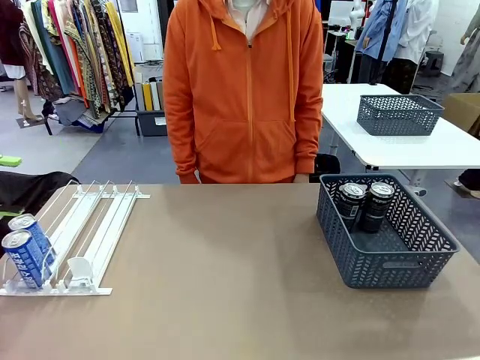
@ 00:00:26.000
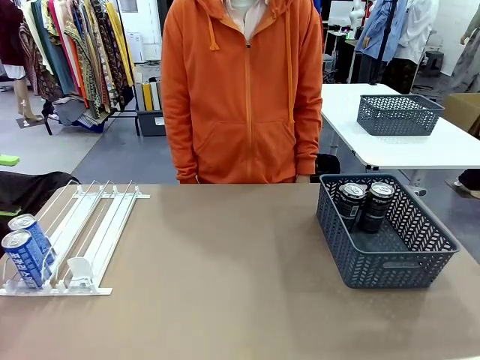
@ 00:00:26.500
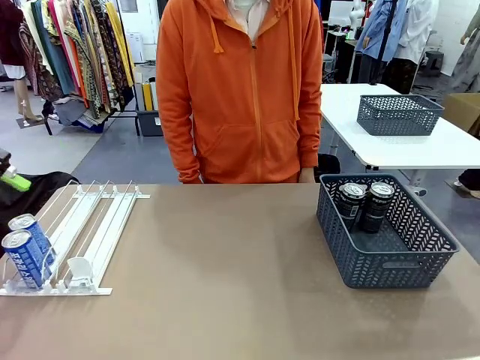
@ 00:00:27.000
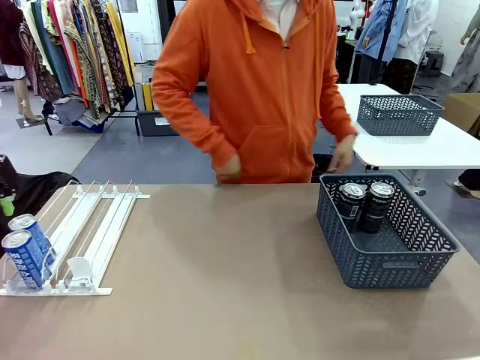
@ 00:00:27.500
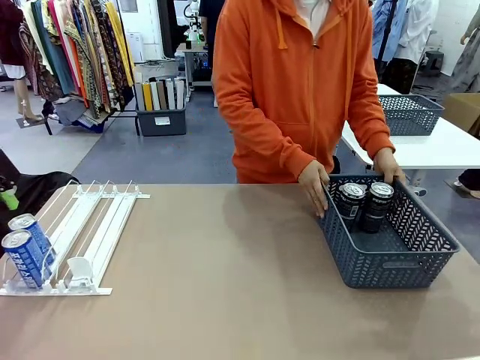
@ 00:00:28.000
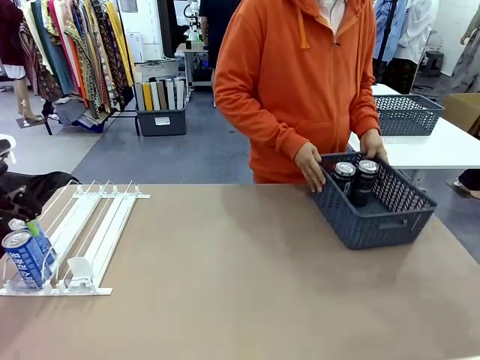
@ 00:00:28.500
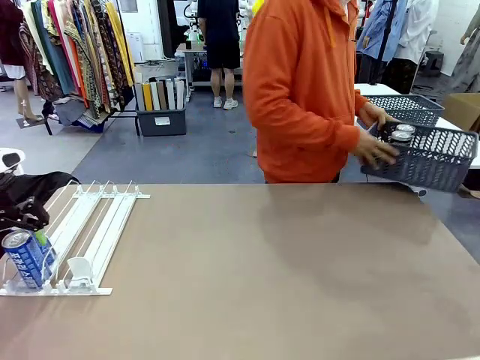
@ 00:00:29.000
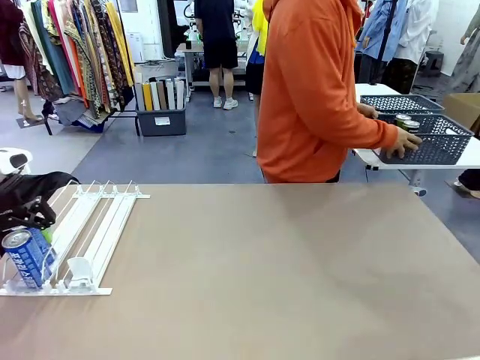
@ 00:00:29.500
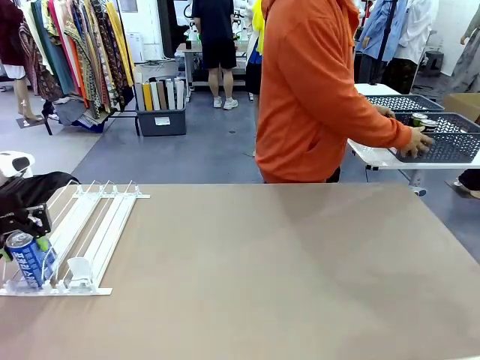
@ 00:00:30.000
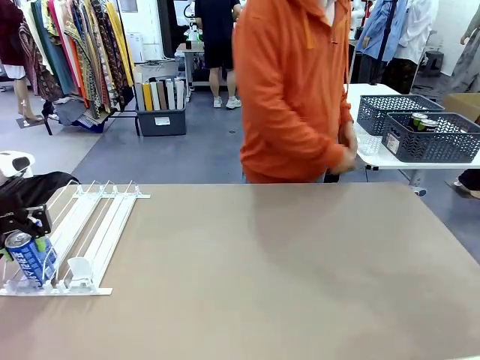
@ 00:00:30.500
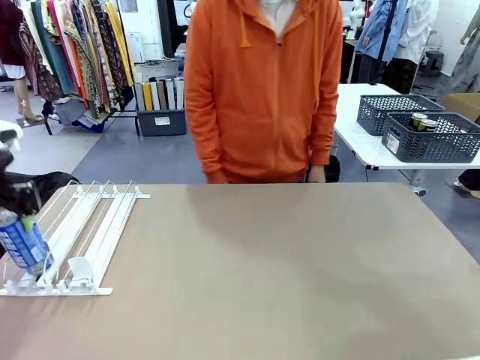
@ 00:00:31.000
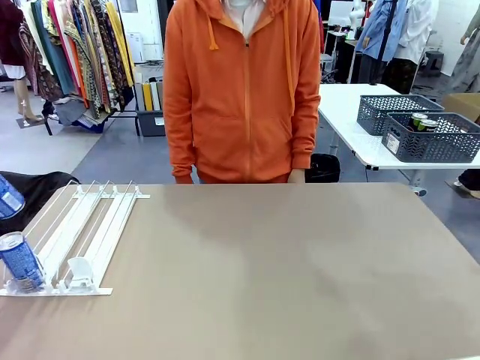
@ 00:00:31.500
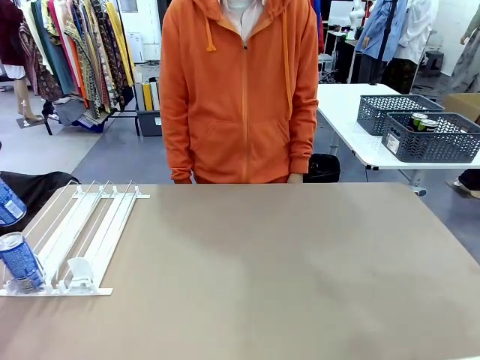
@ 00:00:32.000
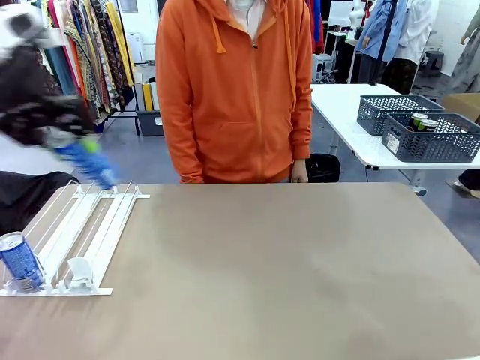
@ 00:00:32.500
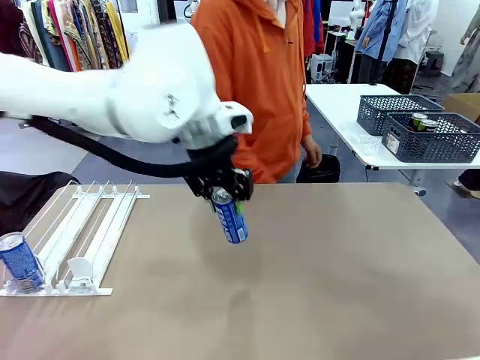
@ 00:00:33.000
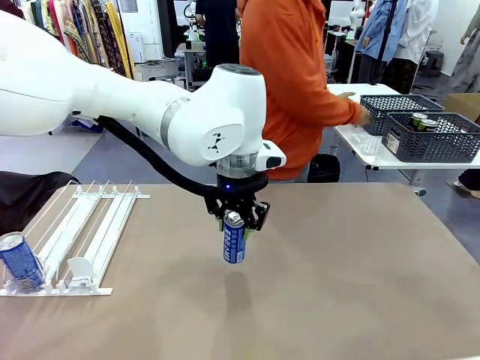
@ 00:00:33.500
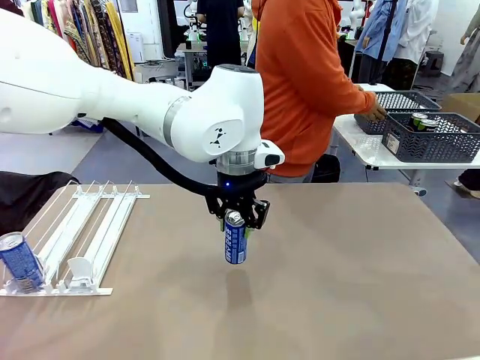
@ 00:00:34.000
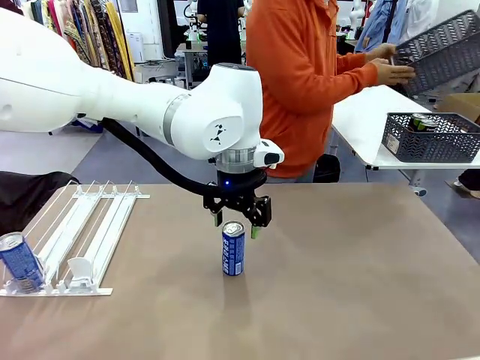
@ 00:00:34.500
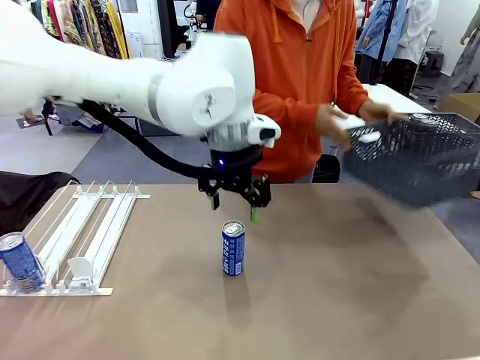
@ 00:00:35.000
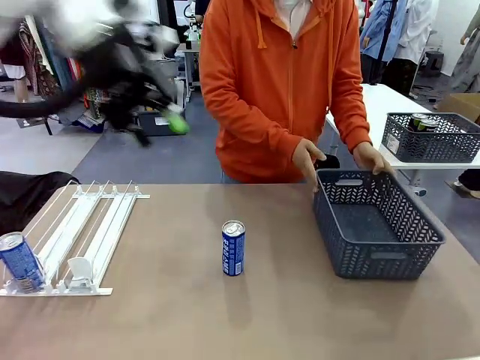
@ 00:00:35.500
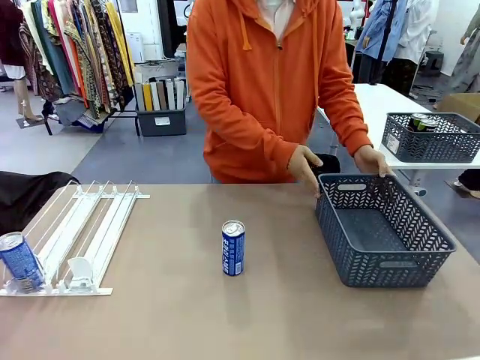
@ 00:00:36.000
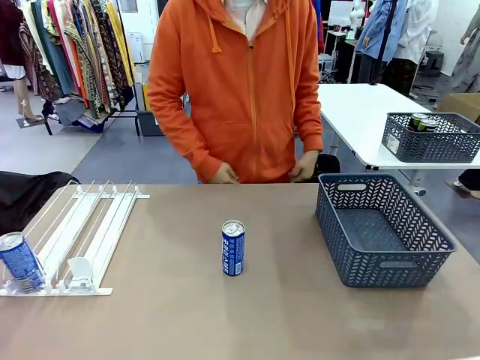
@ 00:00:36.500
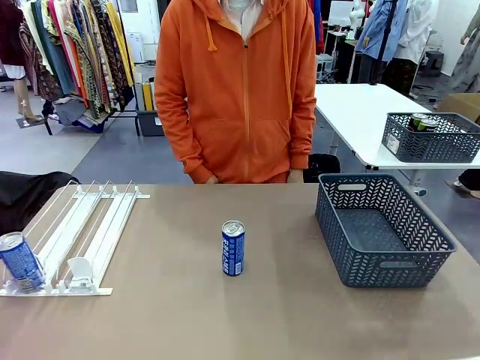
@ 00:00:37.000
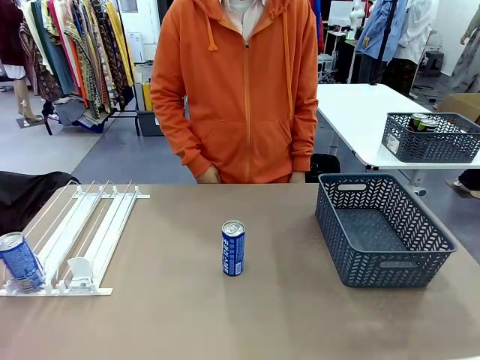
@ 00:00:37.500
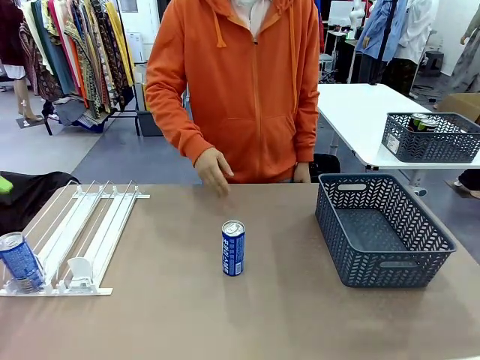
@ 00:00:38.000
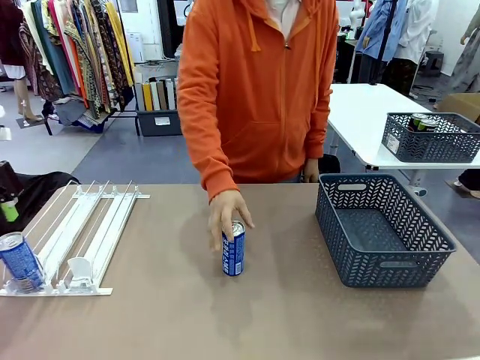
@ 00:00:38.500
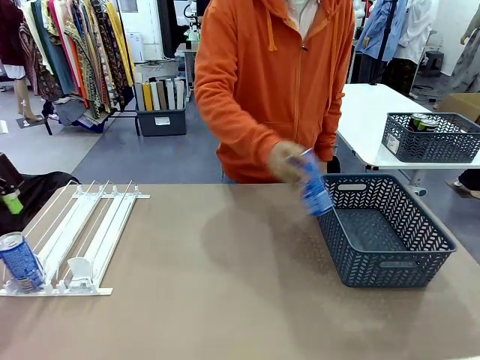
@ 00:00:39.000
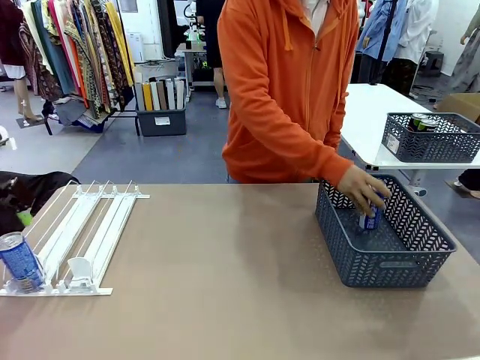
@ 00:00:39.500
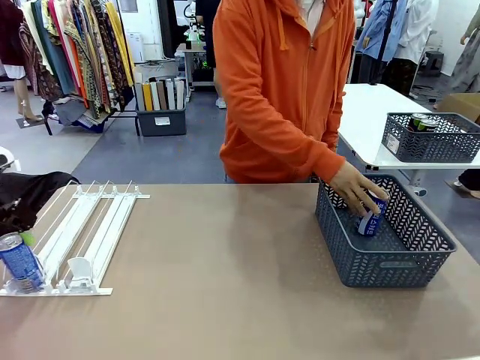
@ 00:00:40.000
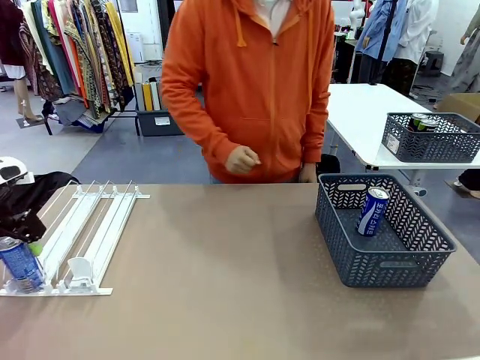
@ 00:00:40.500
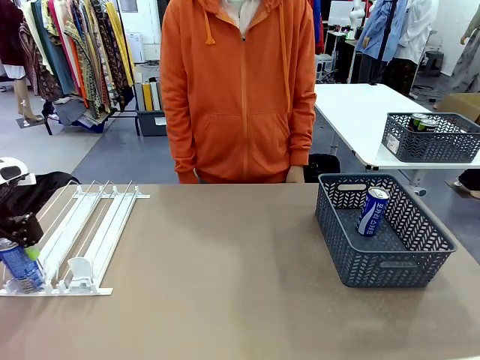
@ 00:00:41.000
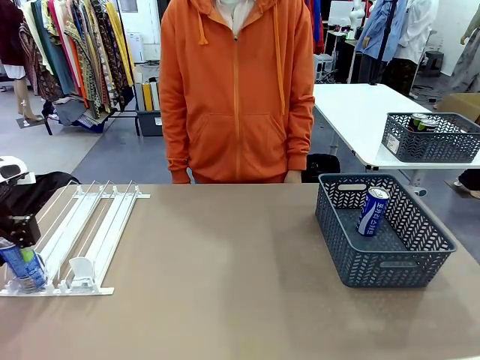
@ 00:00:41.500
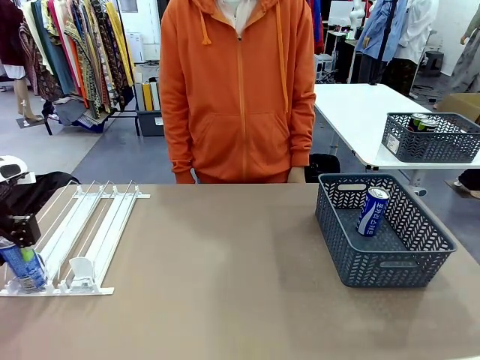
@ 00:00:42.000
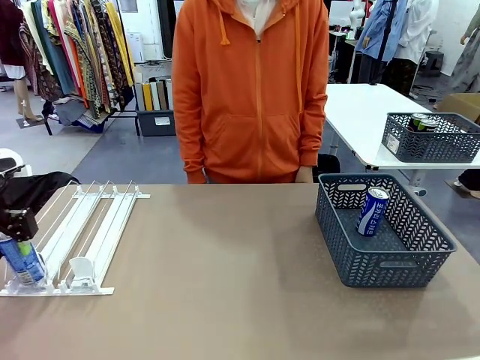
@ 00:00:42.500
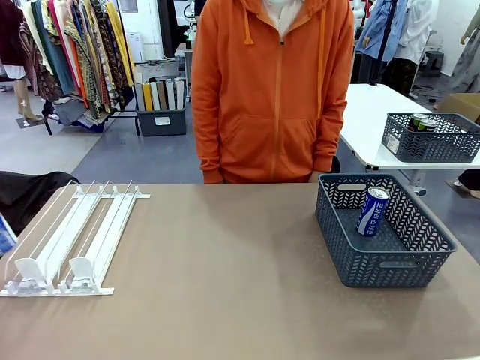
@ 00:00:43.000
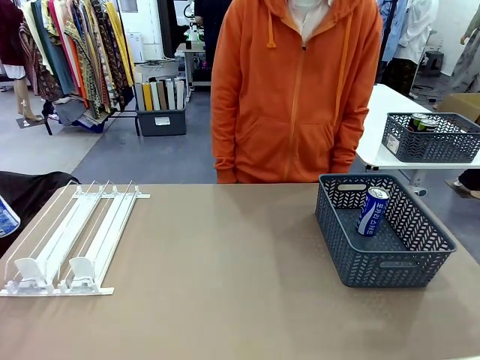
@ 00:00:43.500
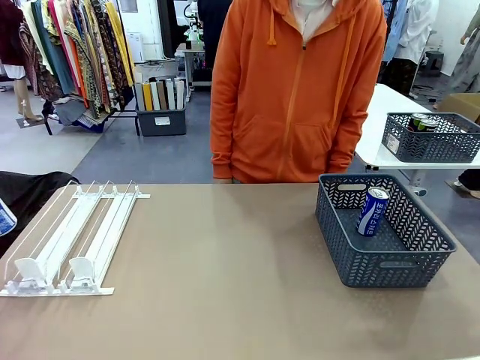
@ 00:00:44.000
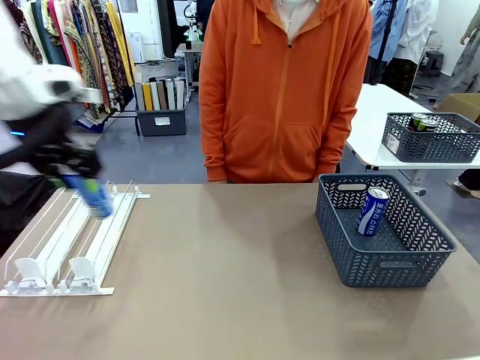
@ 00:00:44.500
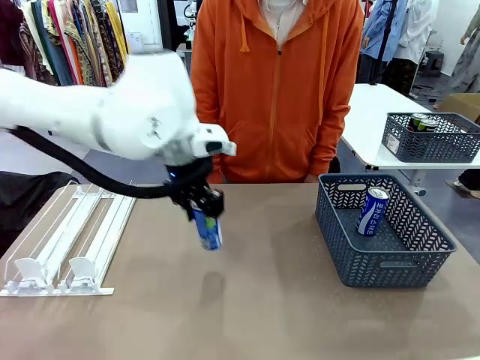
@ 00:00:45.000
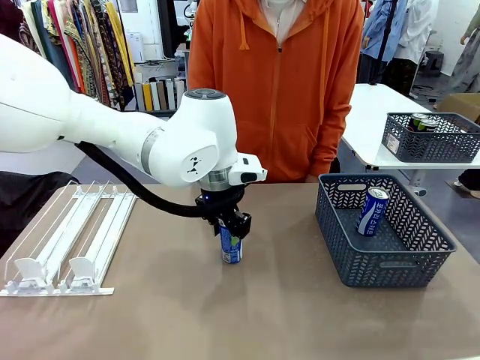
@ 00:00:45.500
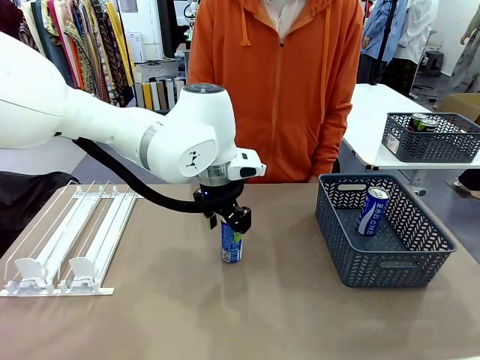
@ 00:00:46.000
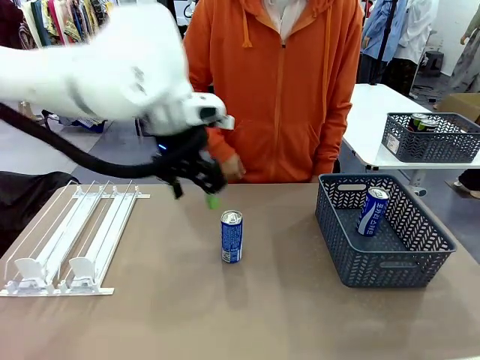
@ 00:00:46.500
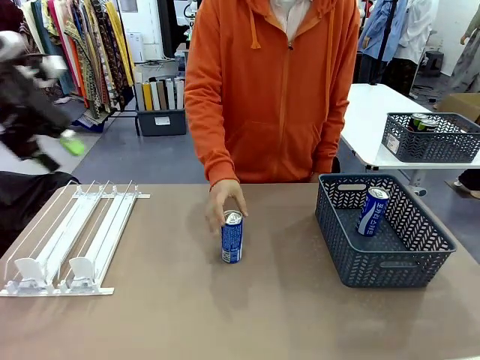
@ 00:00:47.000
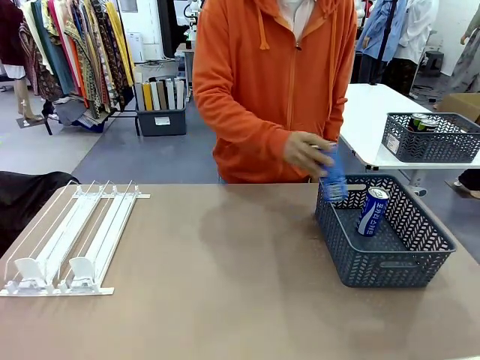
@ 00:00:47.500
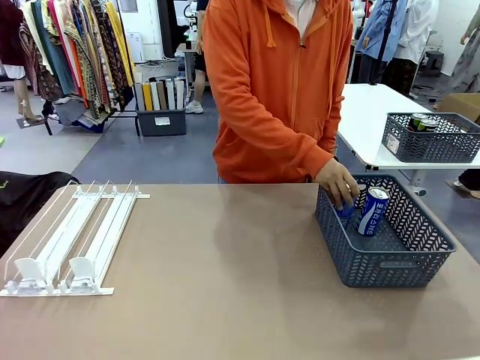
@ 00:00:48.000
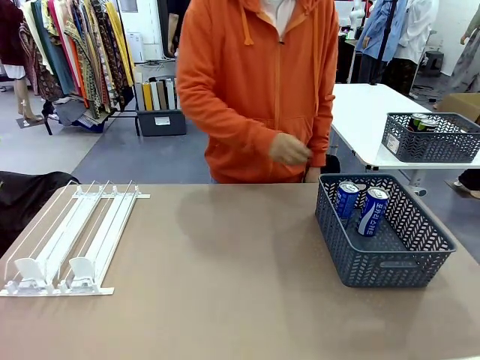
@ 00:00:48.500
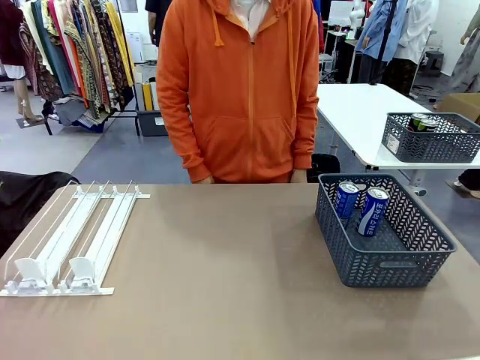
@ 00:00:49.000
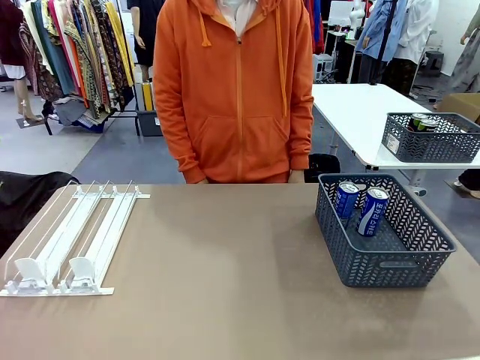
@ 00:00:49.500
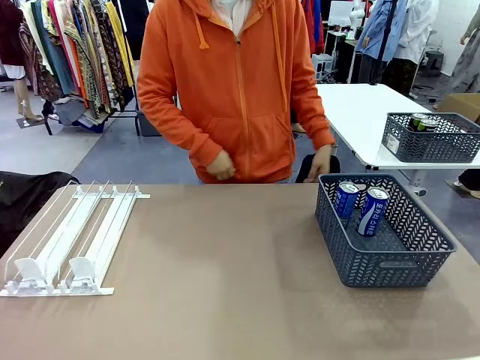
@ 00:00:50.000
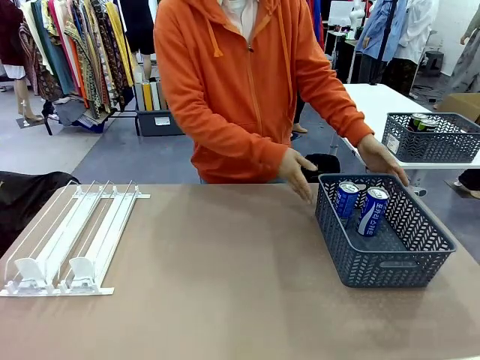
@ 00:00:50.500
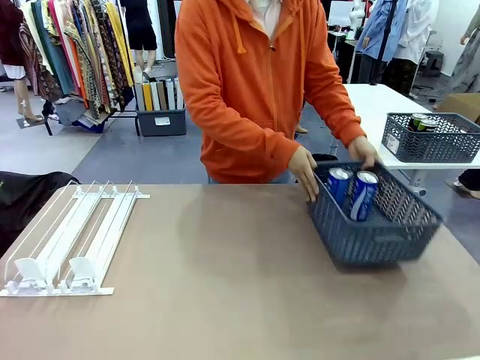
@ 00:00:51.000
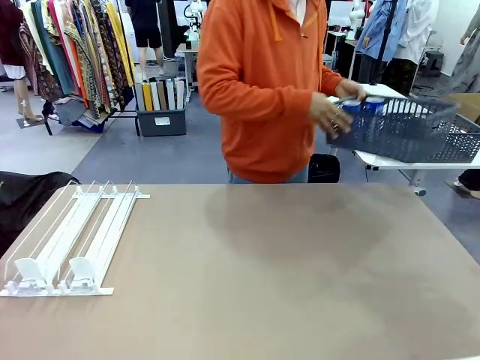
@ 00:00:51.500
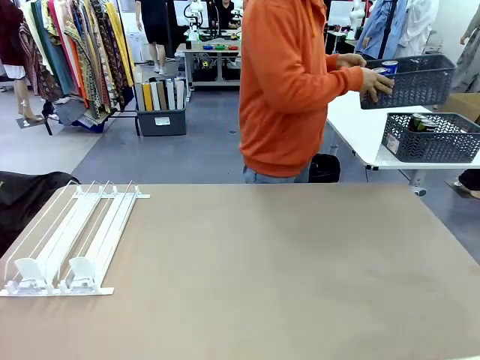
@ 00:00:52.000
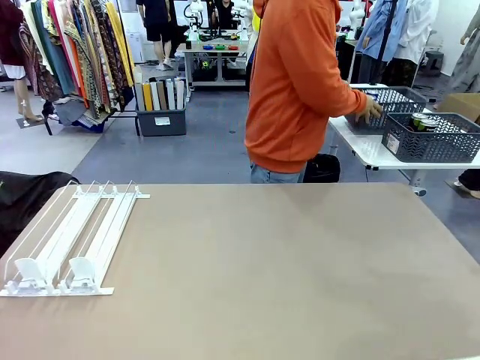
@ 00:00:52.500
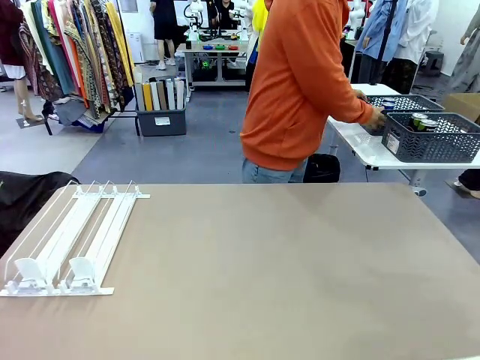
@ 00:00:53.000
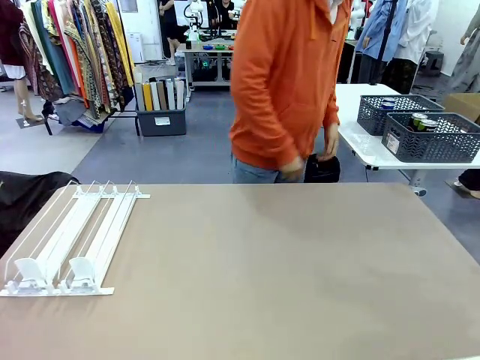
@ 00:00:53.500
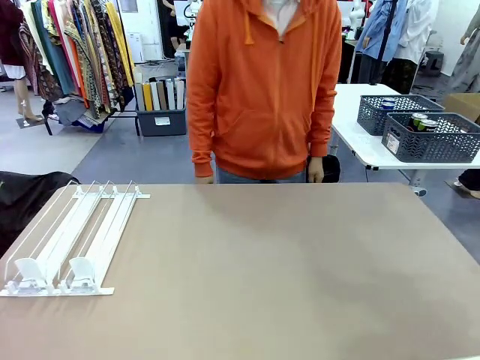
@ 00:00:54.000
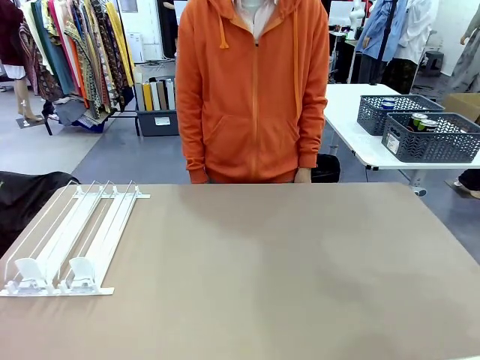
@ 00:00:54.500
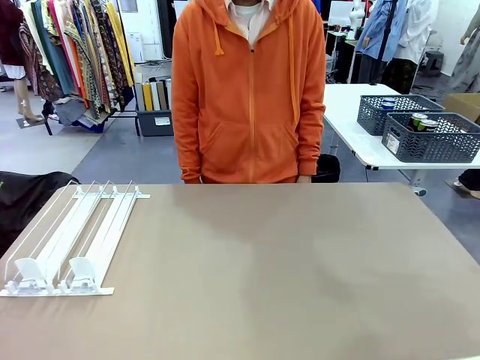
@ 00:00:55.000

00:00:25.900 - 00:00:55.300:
Task: Retrieve and store the cans from the dispenser.
Robot: Pick up one can from the Automatic Can Dispenser and place it in the middle of the table.
Person: Pick up the basket and place it in the middle of the human table. Pick up the empty basket and place it on the left side of the robot table. Pick up one sports drink can from the middle of the robot table and place it in the basket. Pick up the basket and place it in the middle of the human table.
